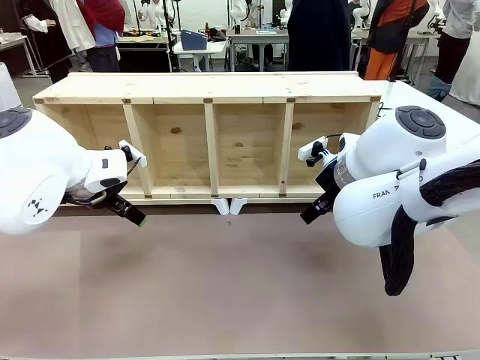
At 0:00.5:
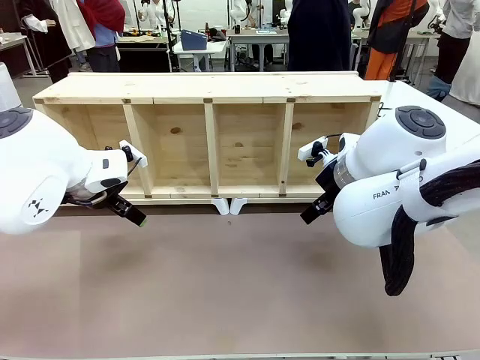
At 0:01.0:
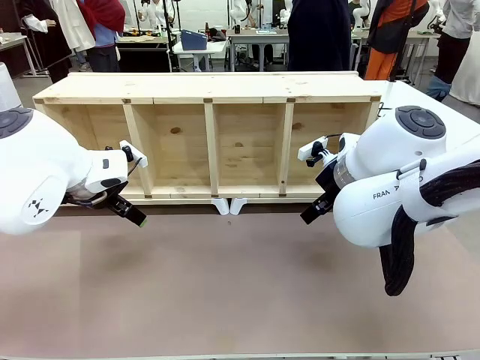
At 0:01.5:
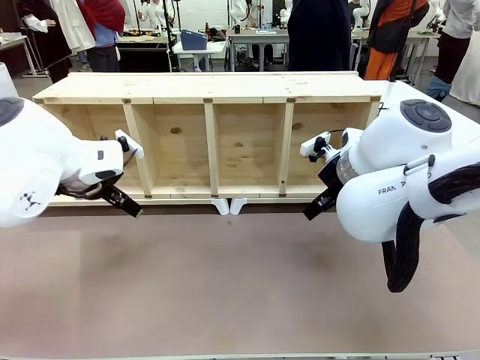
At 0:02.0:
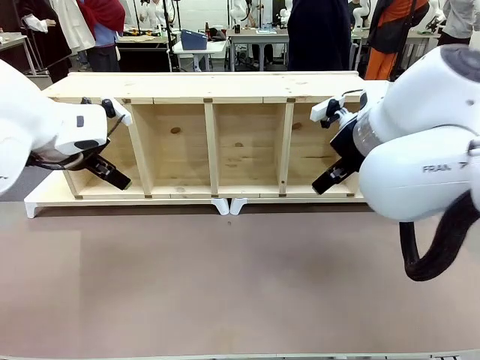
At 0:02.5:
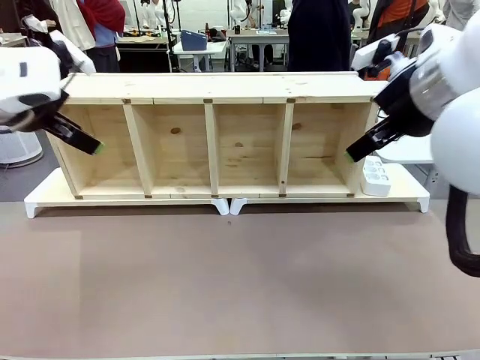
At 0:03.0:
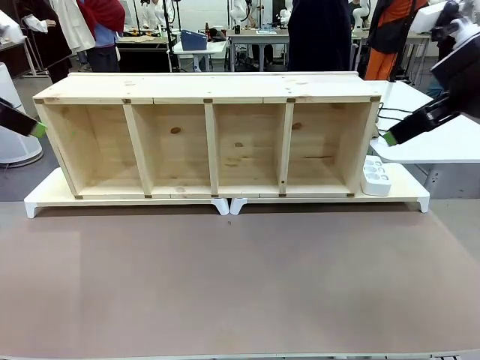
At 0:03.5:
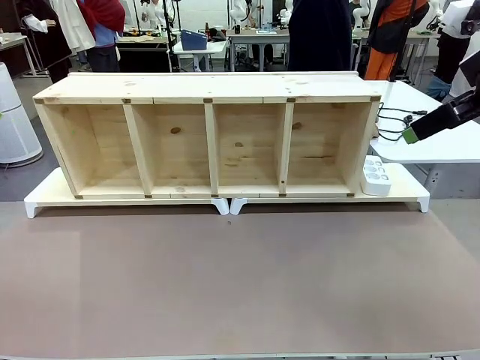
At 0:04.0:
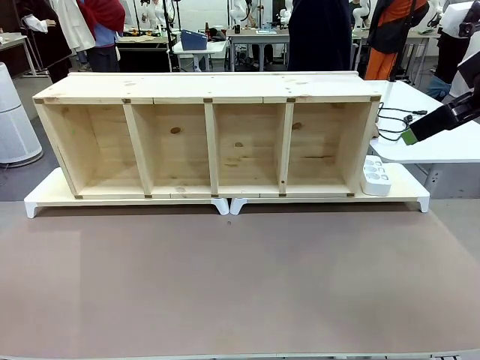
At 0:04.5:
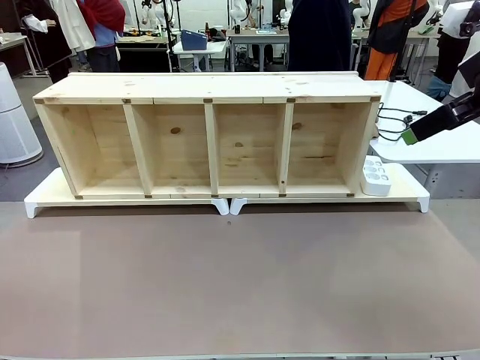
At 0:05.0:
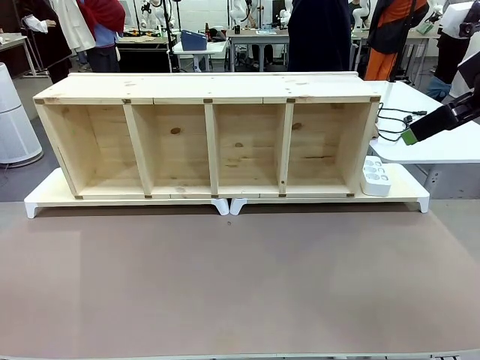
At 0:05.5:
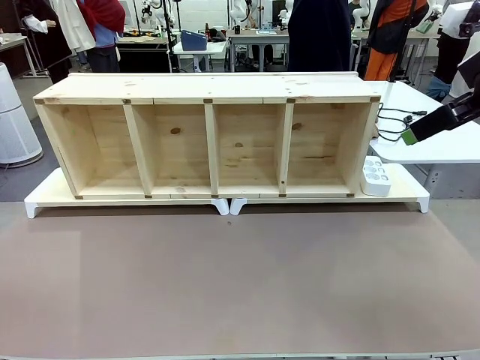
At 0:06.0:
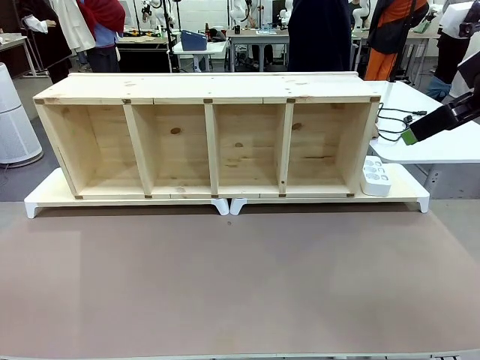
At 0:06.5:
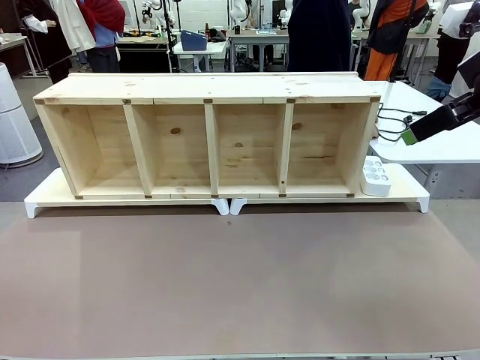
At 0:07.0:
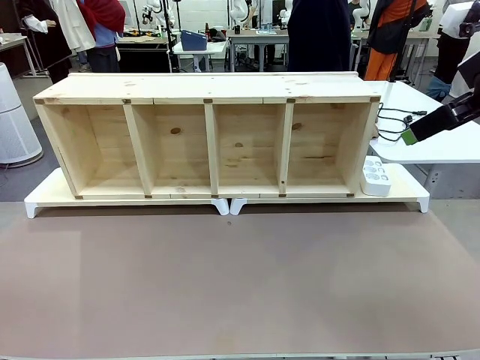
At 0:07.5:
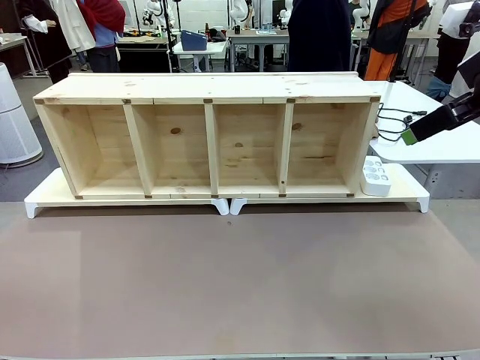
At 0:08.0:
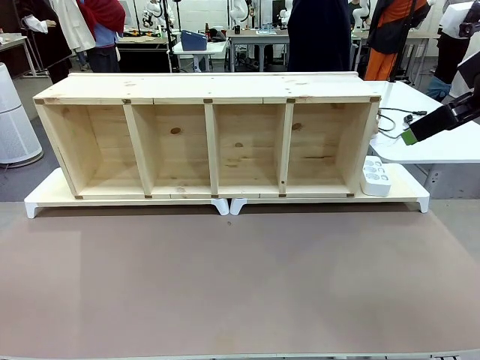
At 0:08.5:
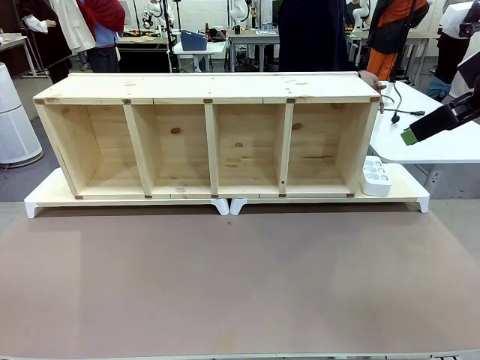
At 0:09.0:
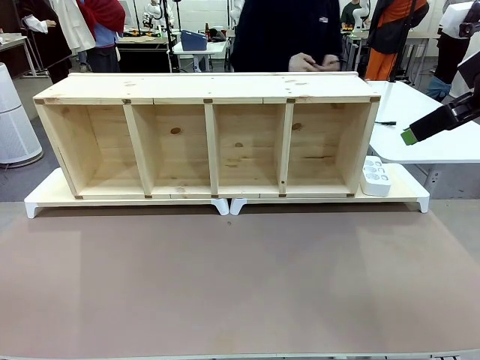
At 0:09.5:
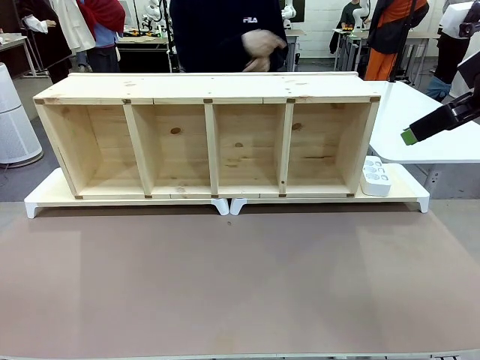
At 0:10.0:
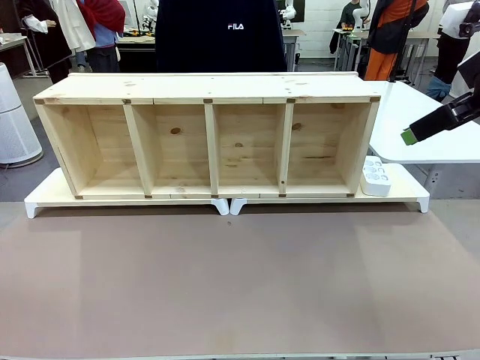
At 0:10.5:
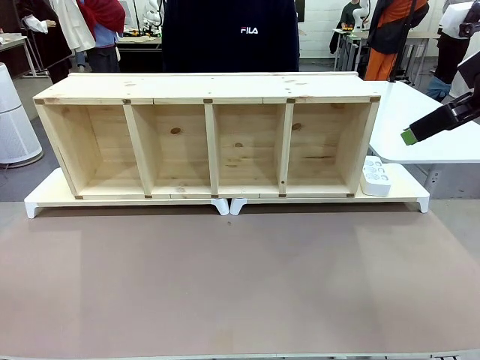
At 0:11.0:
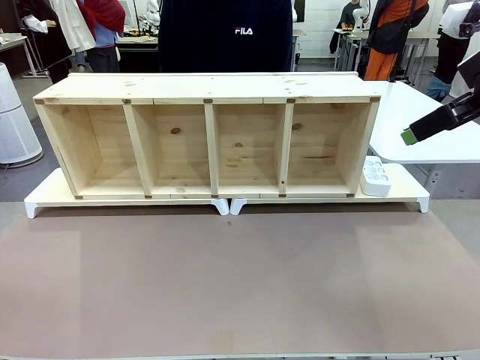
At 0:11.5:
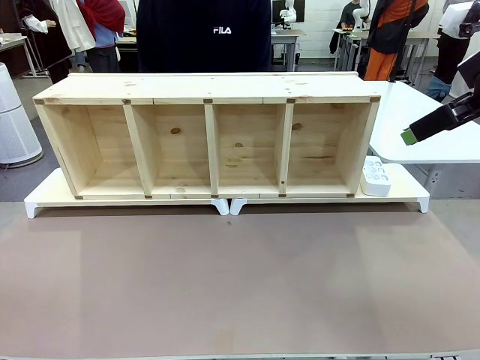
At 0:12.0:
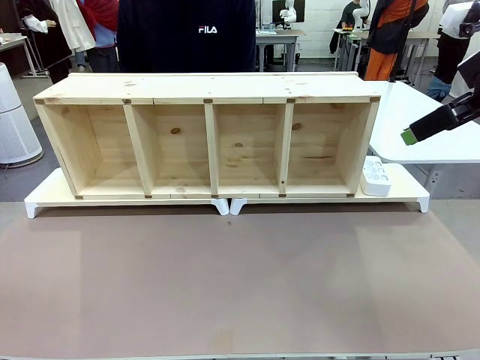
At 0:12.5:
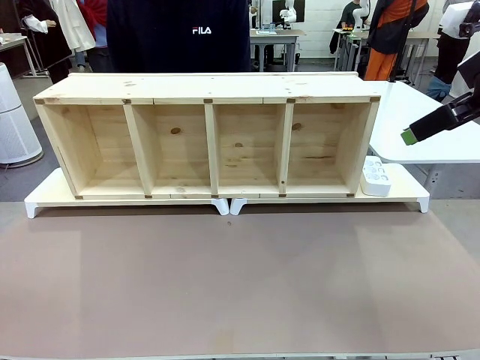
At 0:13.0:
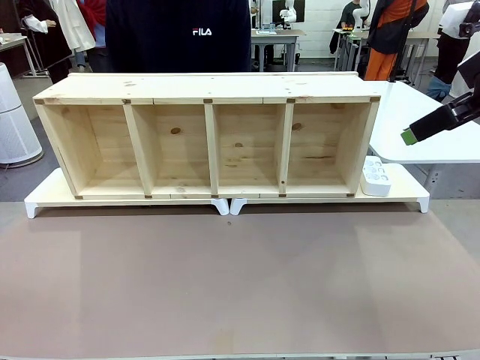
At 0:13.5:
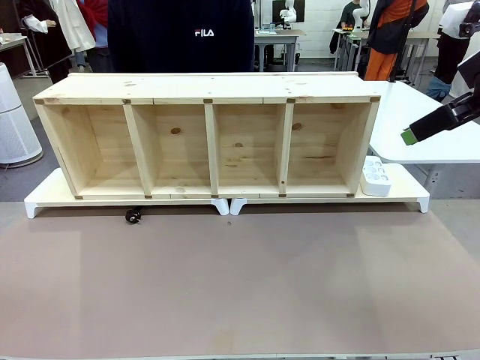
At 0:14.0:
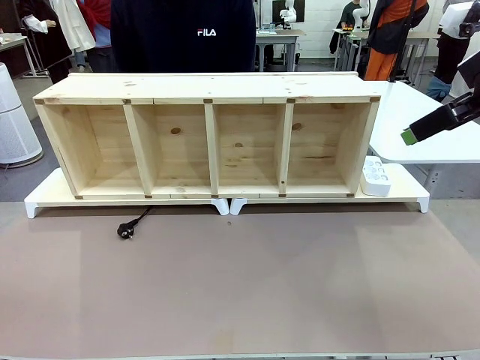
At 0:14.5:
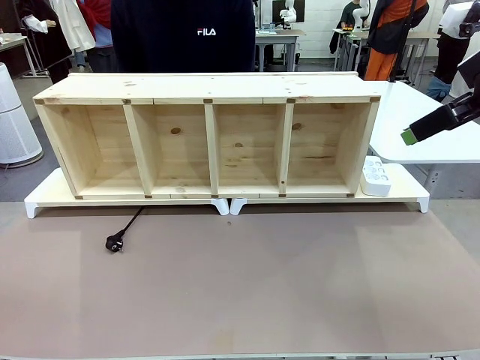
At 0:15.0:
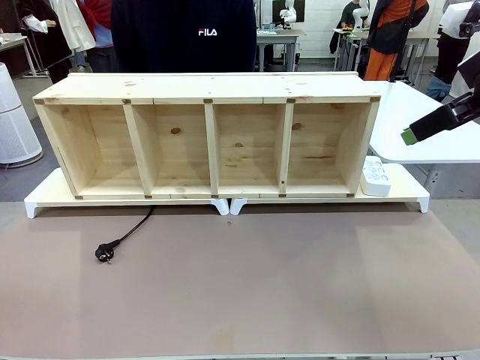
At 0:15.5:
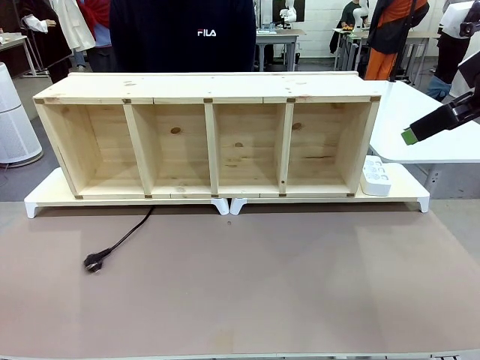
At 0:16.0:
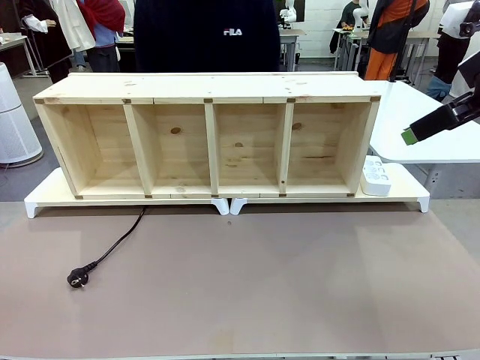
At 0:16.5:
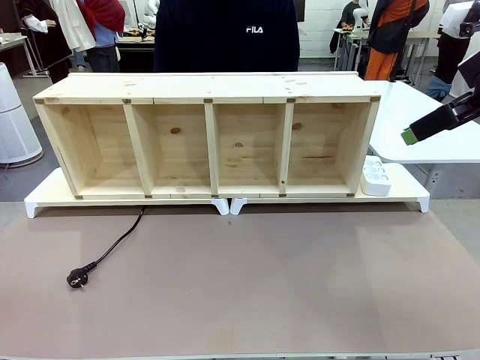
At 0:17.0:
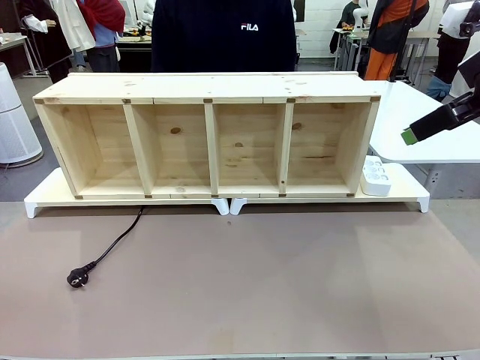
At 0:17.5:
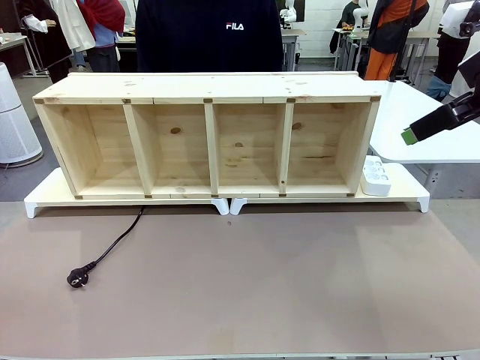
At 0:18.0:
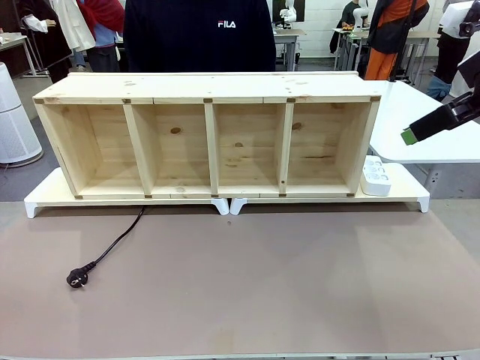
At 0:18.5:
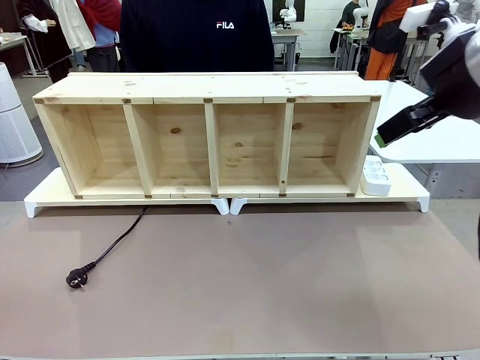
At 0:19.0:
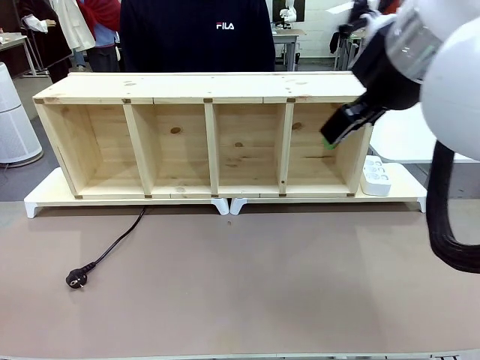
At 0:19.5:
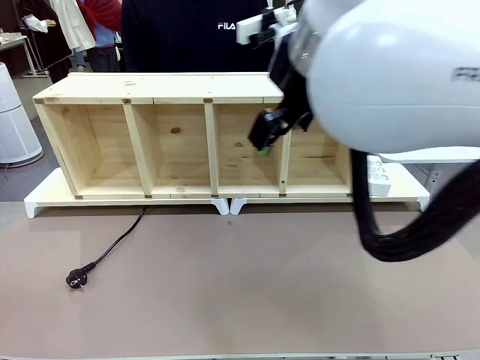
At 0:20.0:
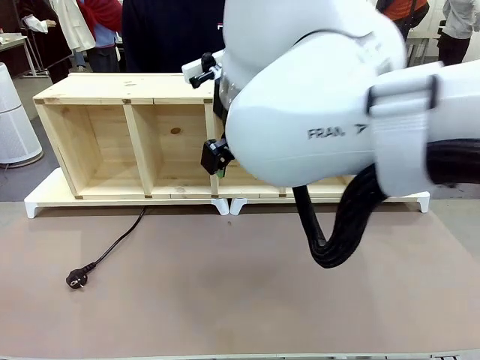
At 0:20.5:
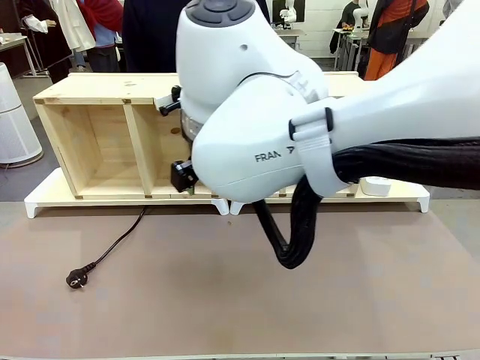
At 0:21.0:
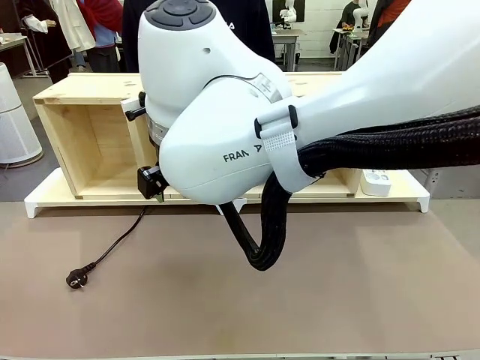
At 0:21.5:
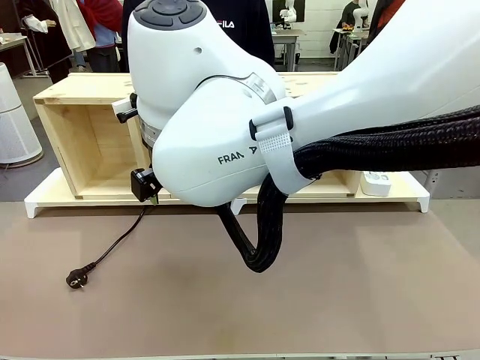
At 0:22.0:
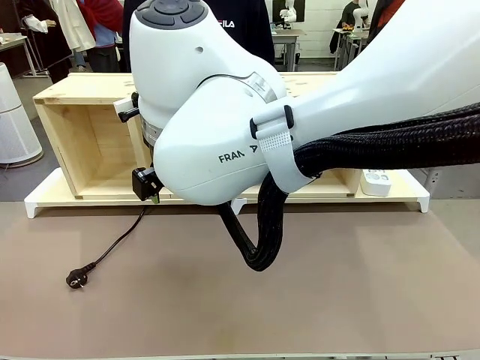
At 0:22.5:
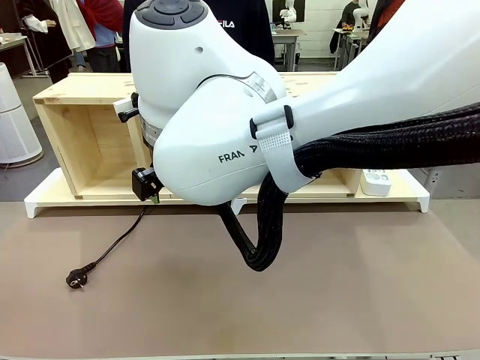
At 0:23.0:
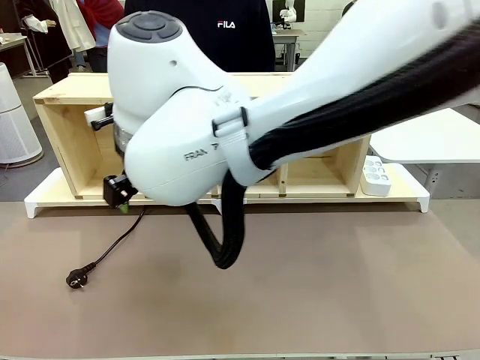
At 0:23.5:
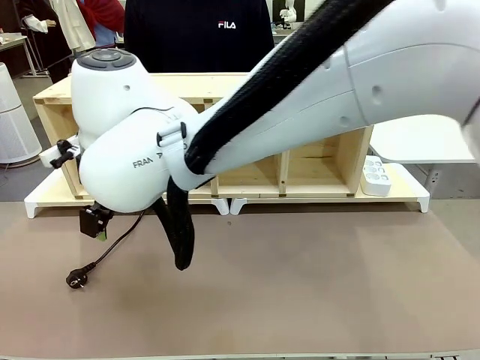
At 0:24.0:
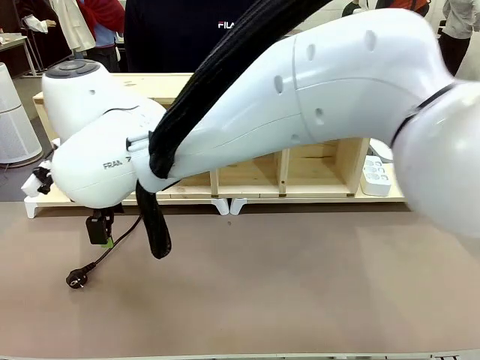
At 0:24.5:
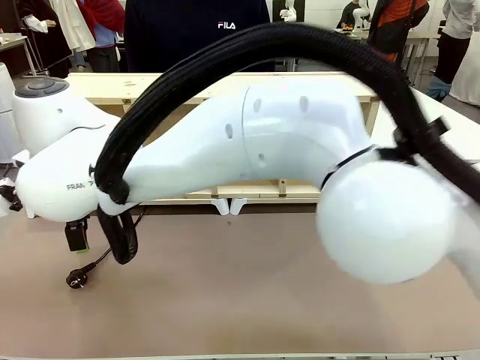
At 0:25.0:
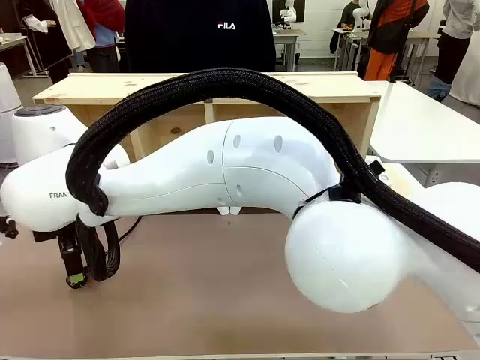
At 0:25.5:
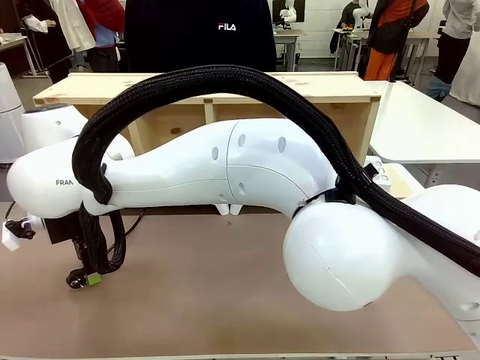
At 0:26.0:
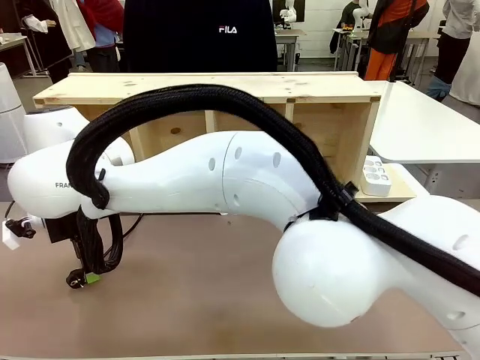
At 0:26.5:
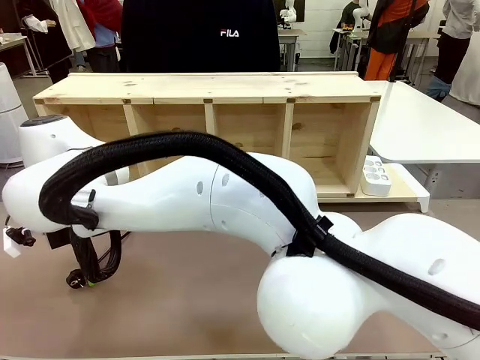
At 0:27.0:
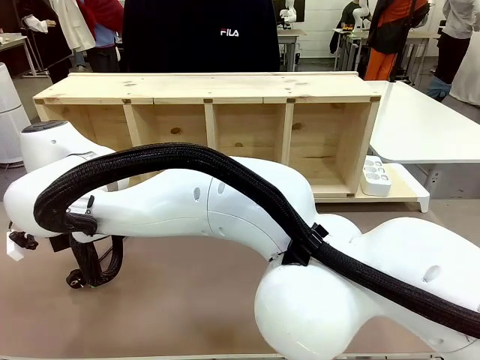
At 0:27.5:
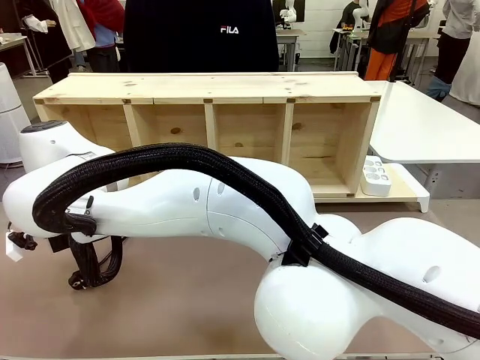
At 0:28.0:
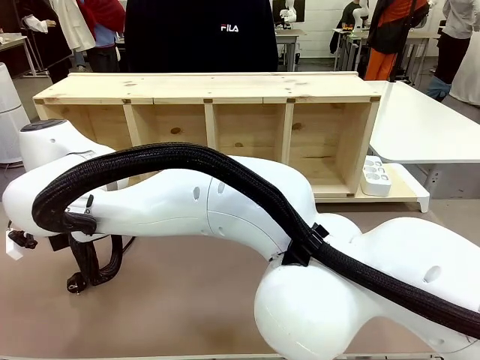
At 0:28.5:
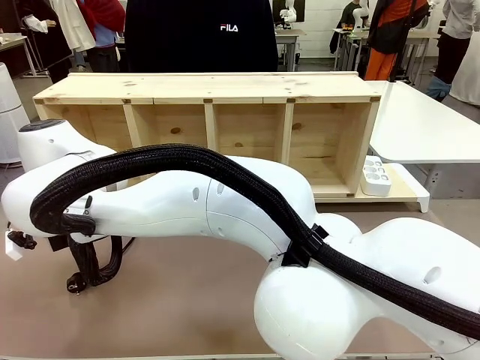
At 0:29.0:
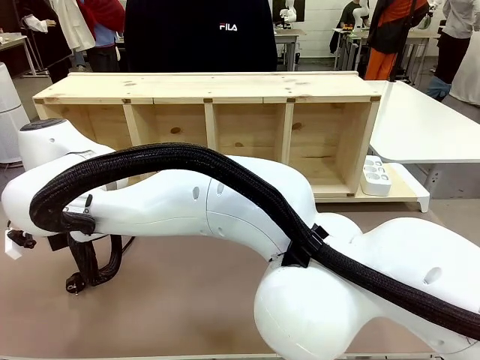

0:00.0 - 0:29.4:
Task: Perform cable management.
Robot: When the cord part of the Power Cable appears at the lower middle area of the table and stops, grasp the cord part of the Power Cable.
Person: Pass the Power Cable under the Serving Table.
